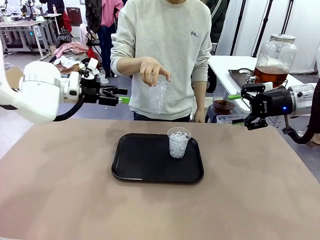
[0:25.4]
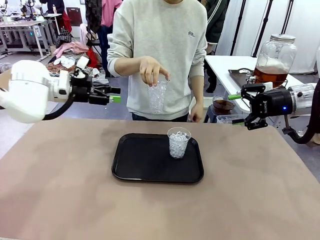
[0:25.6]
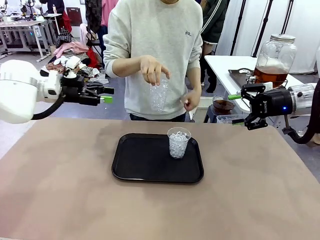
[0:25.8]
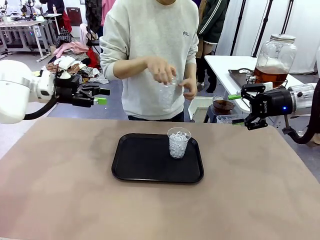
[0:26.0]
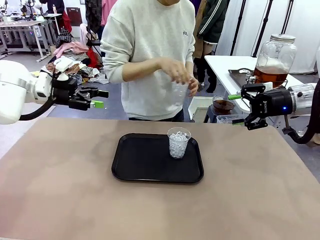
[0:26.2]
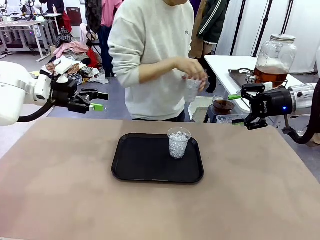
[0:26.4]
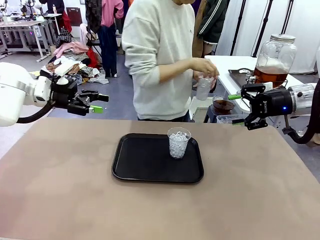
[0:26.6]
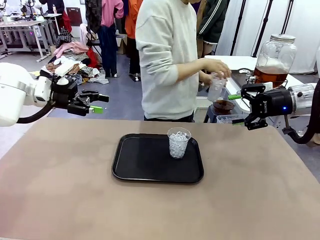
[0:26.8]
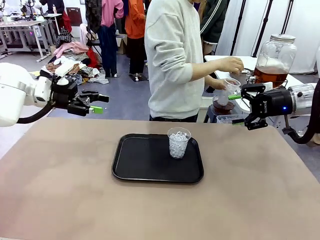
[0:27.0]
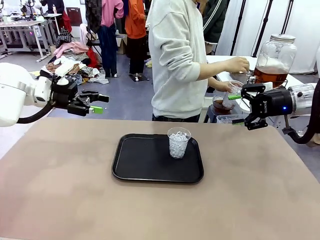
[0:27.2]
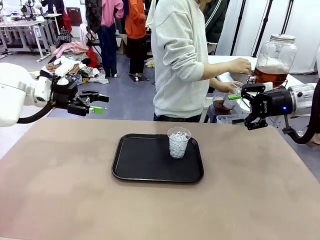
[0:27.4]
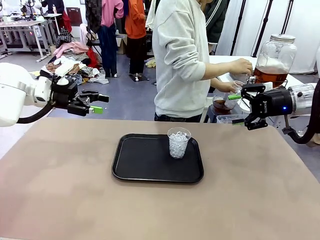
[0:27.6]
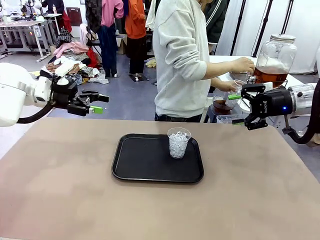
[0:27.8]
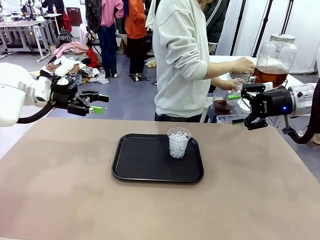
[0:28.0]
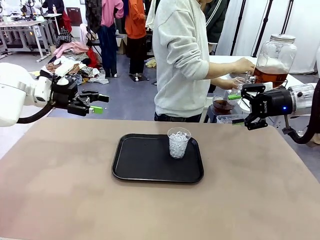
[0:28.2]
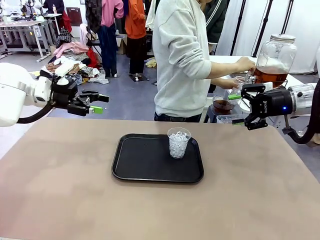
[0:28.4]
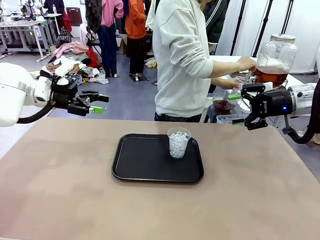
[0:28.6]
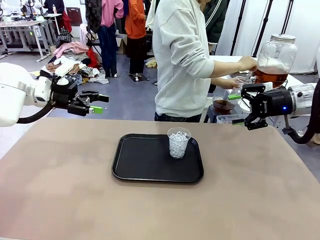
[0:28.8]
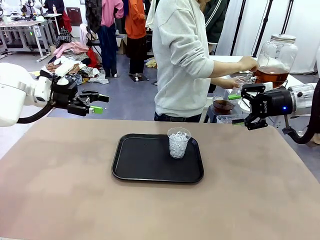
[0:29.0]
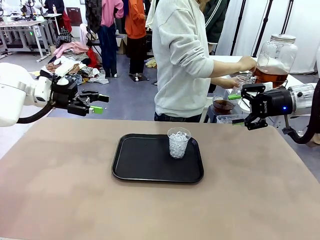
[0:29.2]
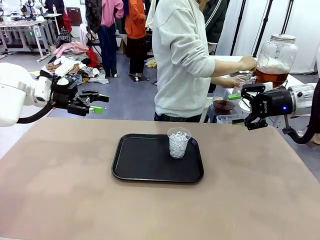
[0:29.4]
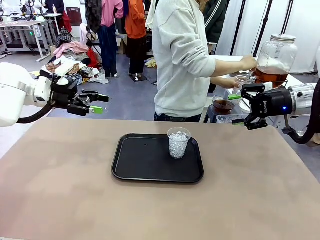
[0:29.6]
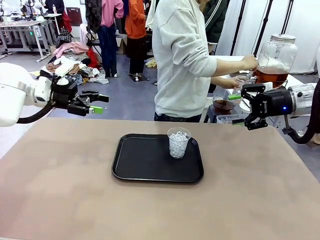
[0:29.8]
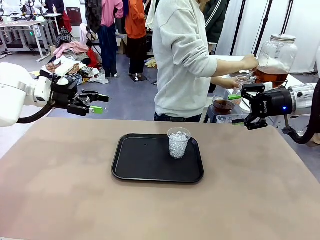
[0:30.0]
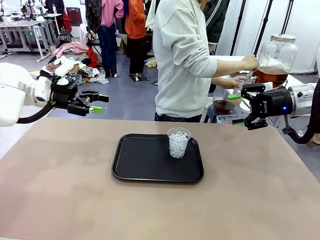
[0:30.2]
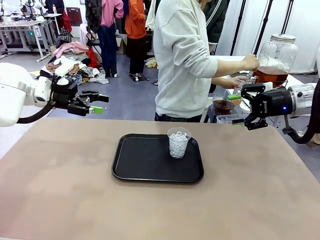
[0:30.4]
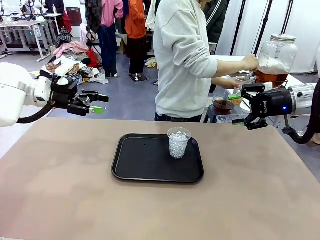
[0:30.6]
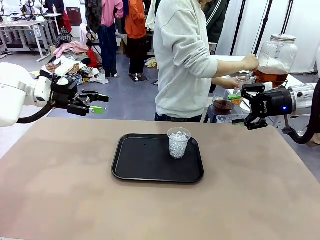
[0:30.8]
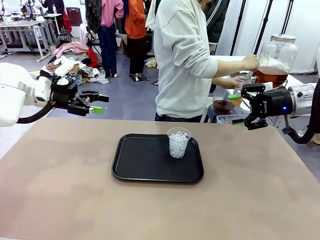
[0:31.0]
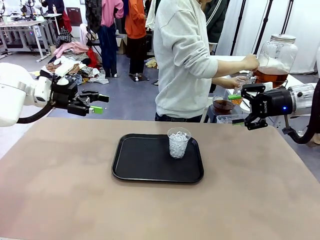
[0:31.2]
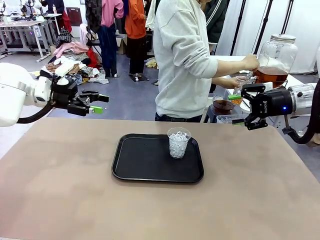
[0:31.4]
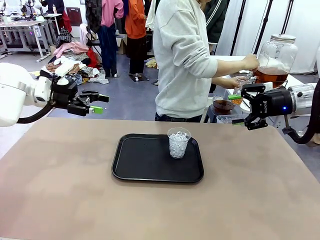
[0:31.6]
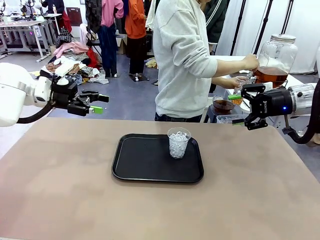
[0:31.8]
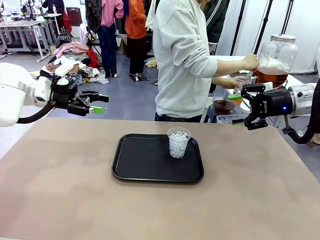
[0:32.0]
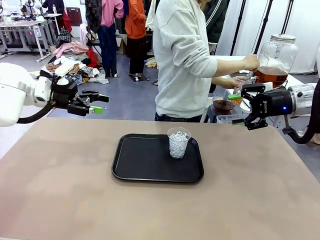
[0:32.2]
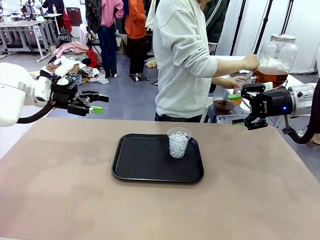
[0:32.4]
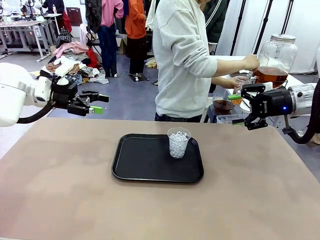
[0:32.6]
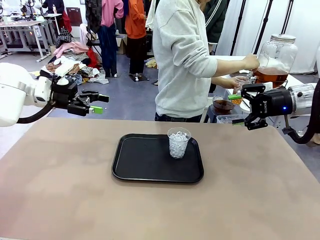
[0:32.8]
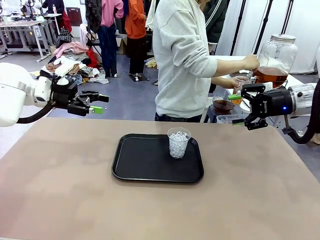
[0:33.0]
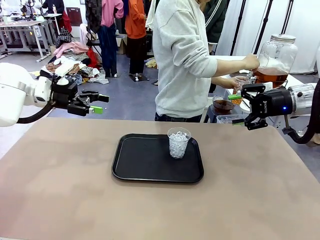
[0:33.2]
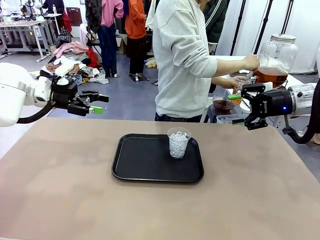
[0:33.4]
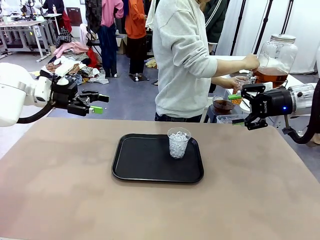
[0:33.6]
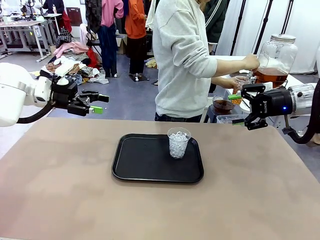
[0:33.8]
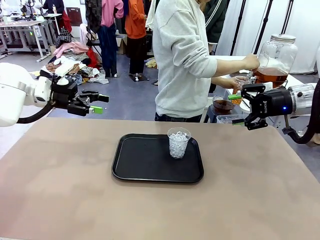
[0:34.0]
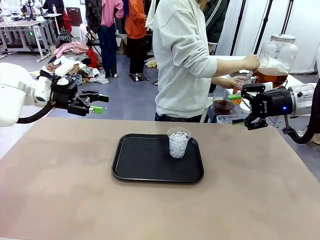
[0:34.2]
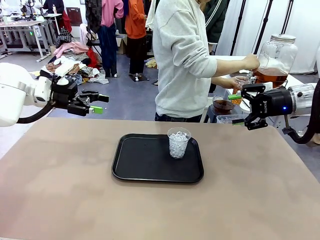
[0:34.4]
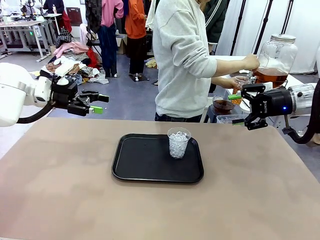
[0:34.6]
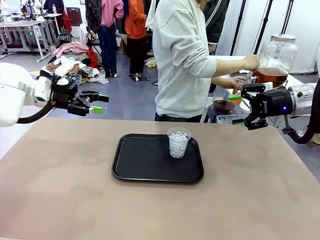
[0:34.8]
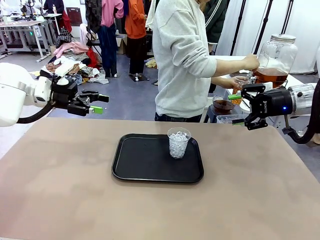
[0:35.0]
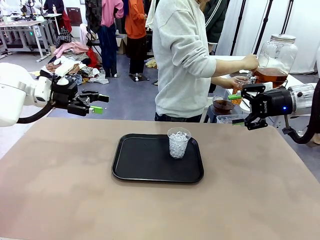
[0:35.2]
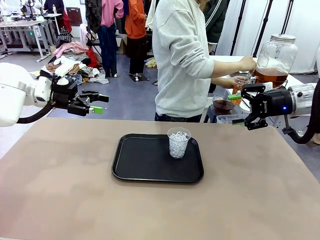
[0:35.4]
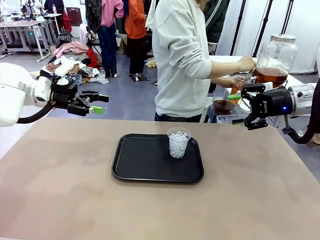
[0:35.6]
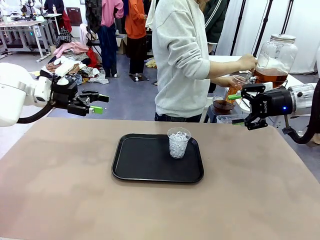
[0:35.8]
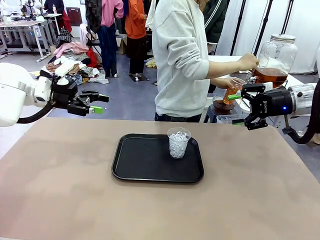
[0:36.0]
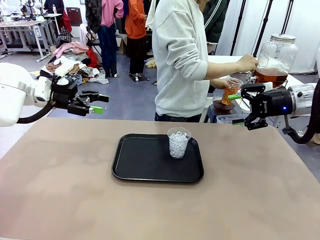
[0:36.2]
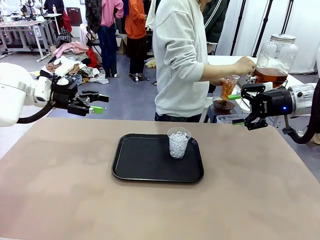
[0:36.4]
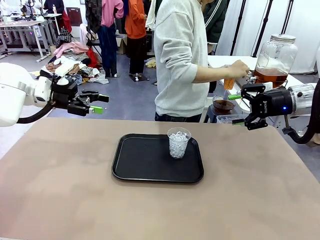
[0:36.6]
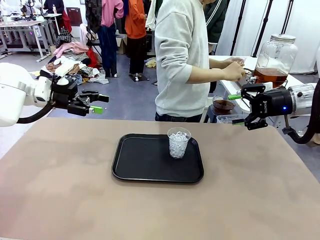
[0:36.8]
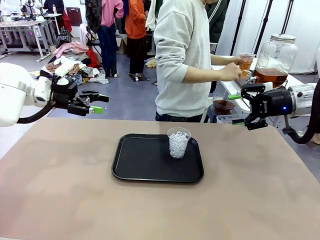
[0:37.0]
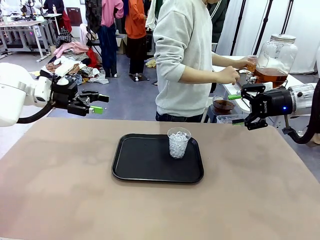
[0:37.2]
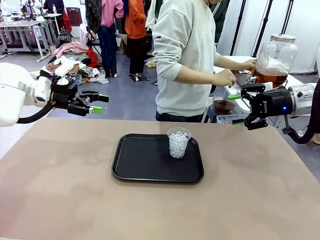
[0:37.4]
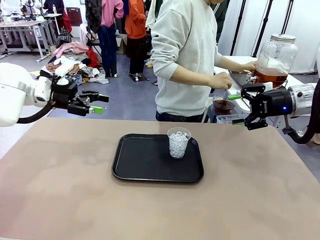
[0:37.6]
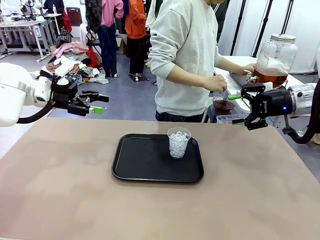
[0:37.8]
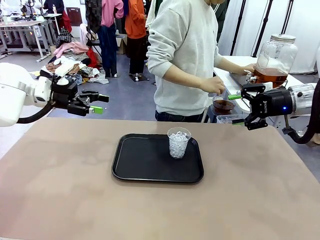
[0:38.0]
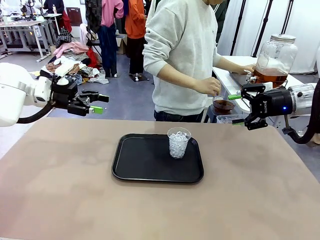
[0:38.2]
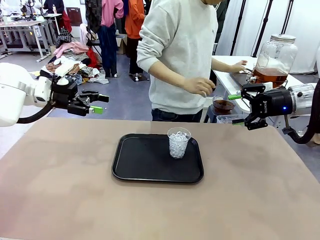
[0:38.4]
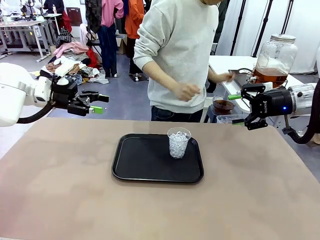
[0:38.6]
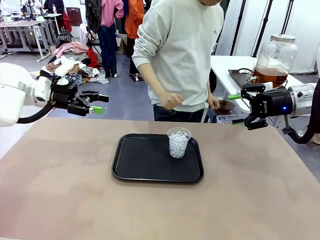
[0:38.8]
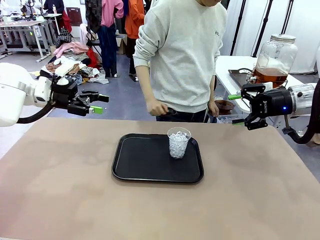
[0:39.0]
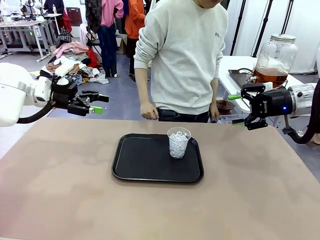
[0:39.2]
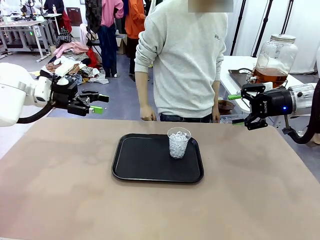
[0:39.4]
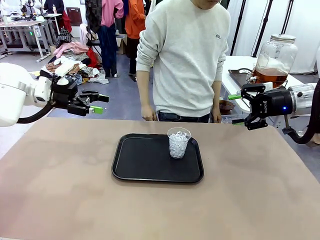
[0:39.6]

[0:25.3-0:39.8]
Task: Pour the drink into the iced cup.
Robot: Pick up the iced cup indicated by the human and present it to them.
Person: Move the picked-up cup under the dispenser faucet, pour the drink, and place it on the tray on the human table.

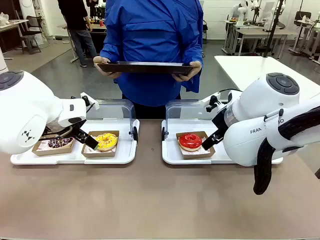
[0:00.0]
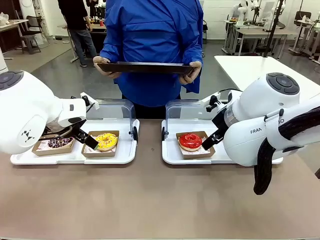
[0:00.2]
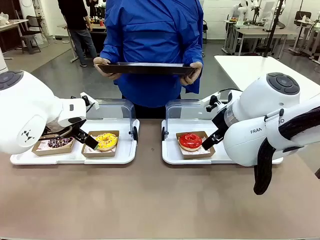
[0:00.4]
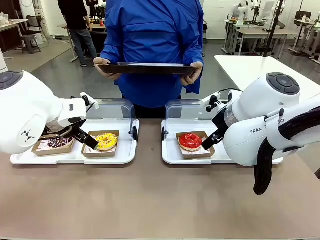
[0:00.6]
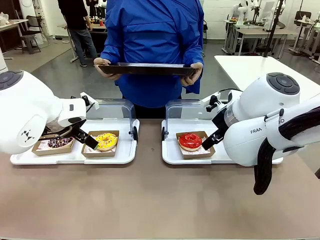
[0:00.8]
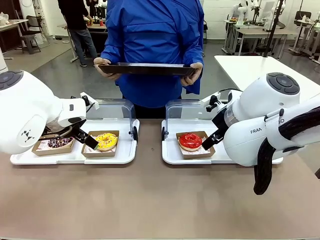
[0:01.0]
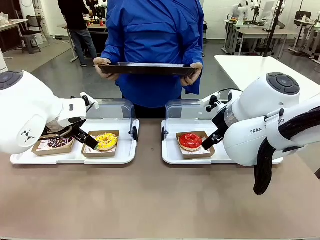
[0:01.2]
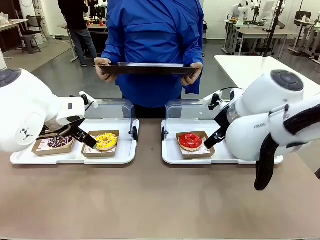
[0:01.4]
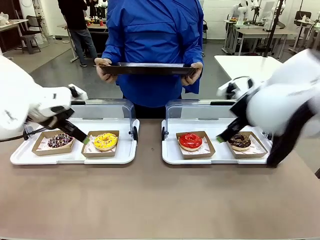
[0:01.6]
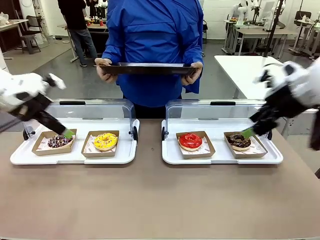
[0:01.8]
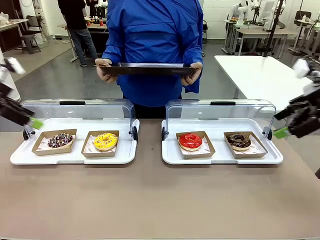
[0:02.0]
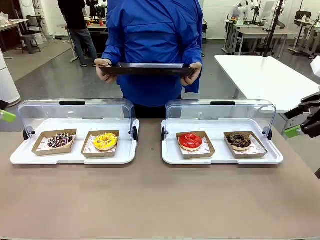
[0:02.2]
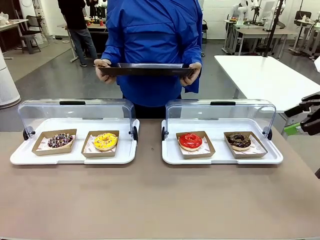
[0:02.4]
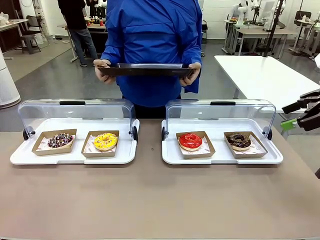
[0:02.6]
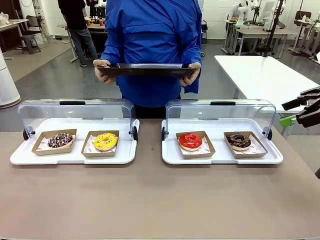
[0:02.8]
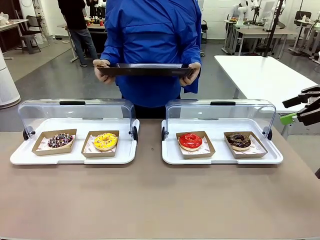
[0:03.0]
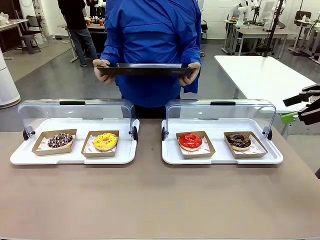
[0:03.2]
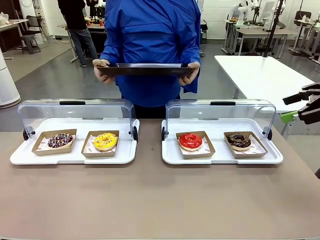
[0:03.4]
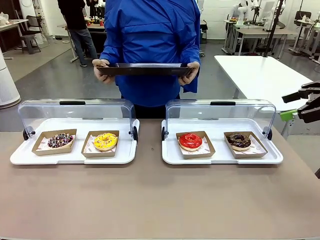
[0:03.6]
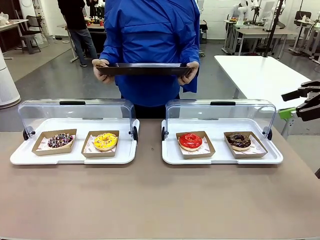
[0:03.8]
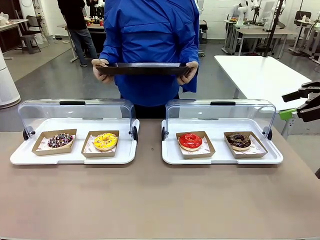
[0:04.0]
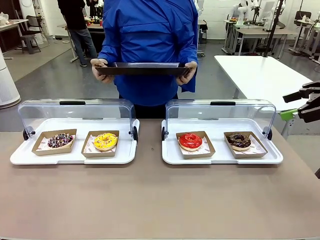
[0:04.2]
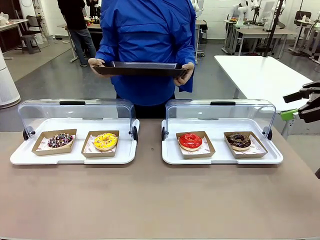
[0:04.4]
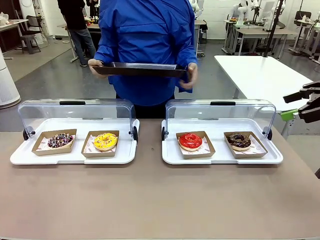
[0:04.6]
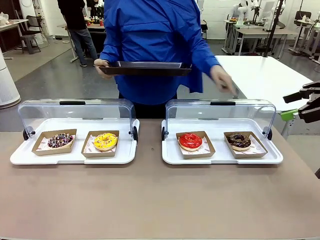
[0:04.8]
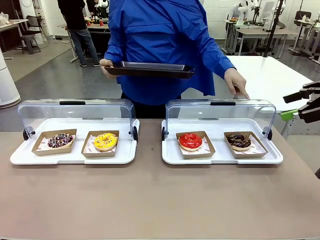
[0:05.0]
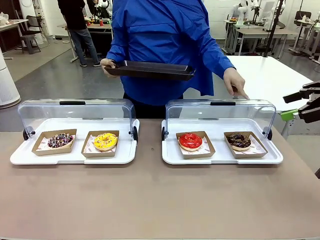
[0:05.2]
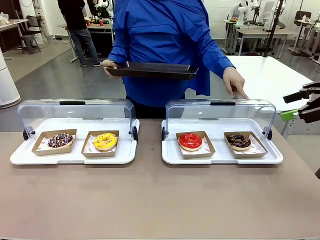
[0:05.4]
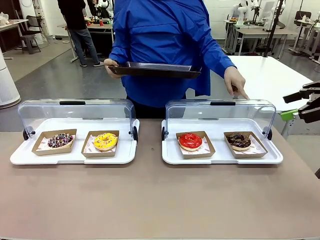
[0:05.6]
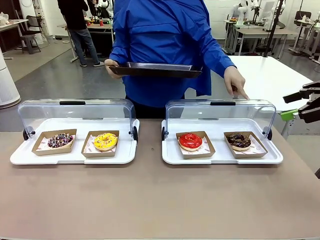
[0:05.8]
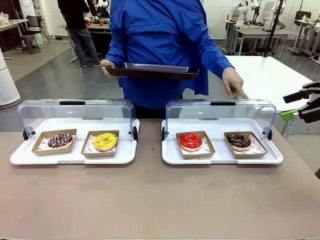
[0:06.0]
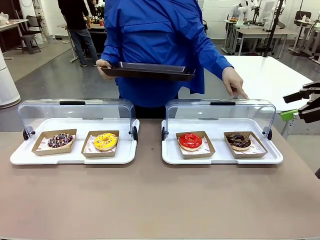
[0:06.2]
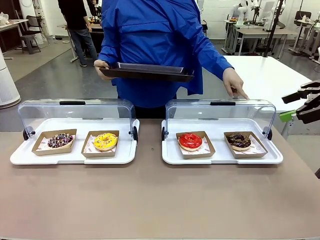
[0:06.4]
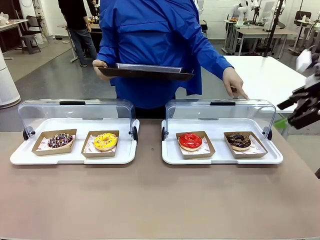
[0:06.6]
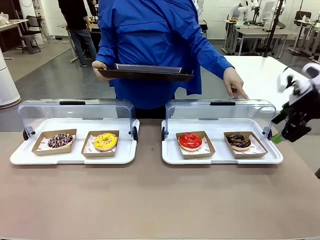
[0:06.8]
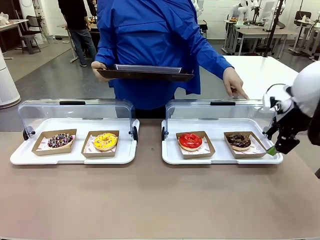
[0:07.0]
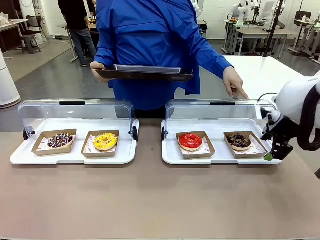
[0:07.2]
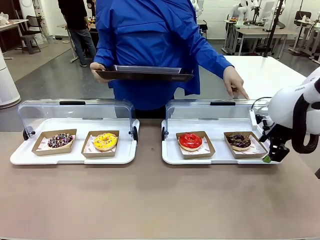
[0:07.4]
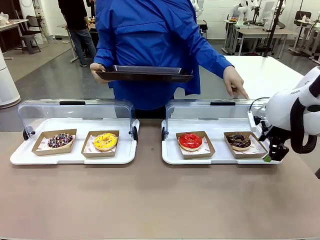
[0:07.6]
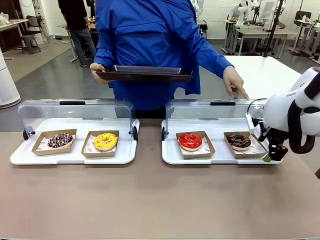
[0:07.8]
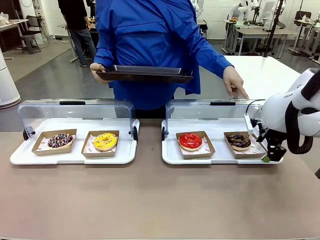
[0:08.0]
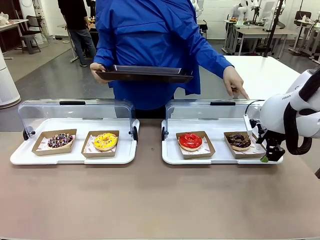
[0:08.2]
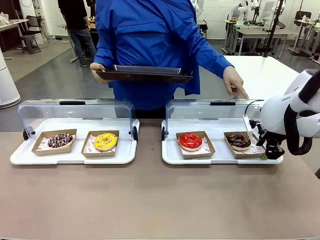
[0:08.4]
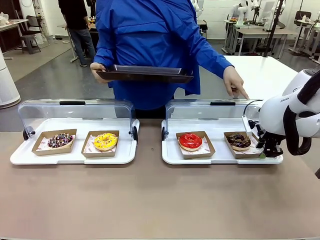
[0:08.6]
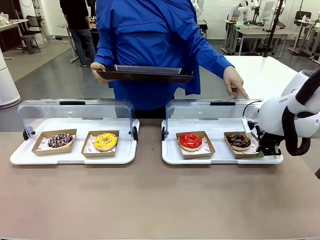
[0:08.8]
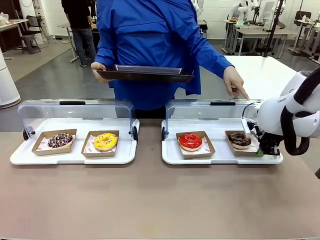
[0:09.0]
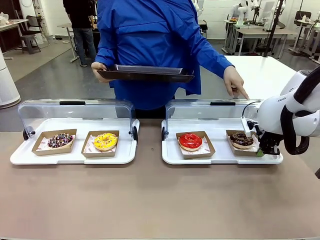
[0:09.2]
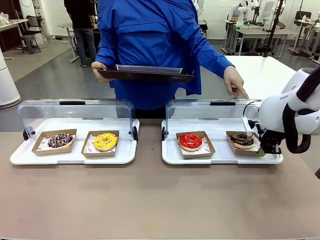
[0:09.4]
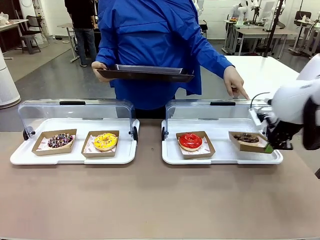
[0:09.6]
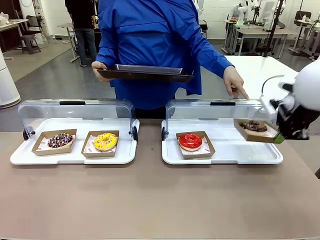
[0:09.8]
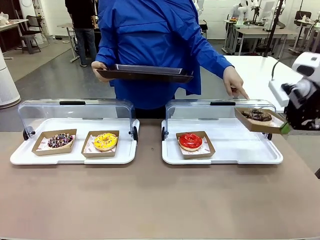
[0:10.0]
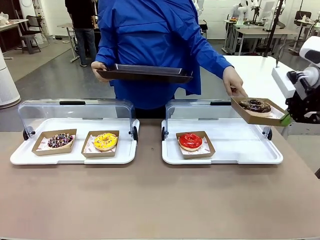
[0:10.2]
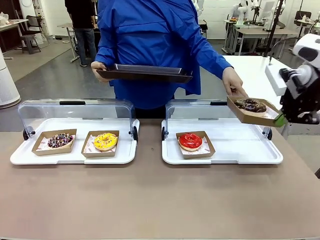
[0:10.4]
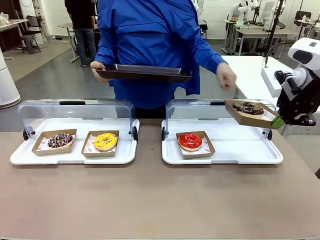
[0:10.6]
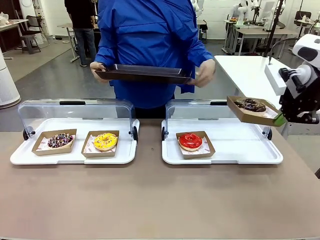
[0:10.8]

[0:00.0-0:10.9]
Task: Provide the desired donut to the person.
Robot: Pick up and lift the Paper togo box containing the Donut pointed at by the person.
Person: Point to one donut. Lift the tray onto the Roll-Top Bakery Case.
